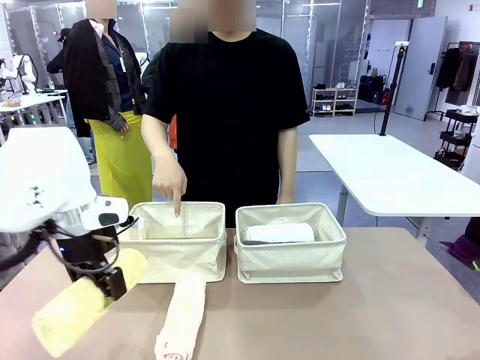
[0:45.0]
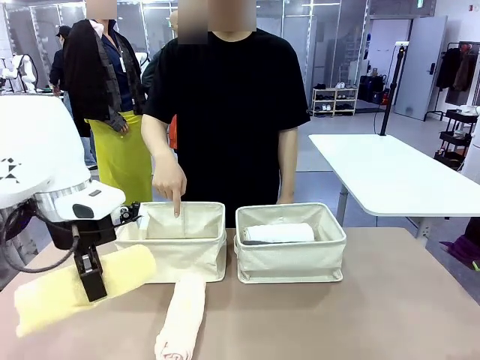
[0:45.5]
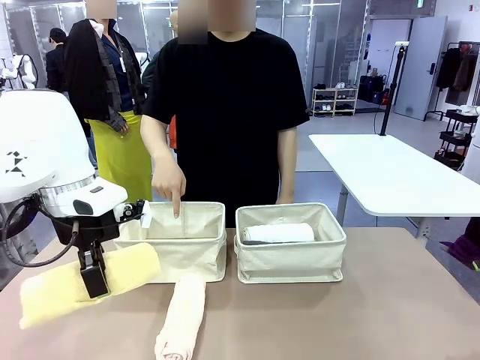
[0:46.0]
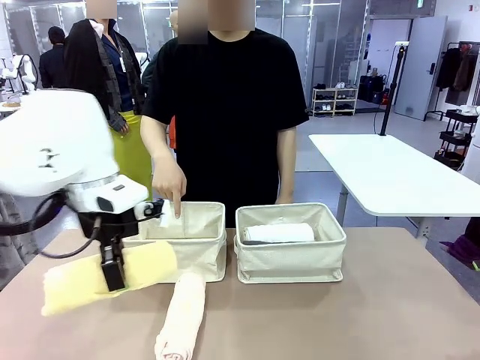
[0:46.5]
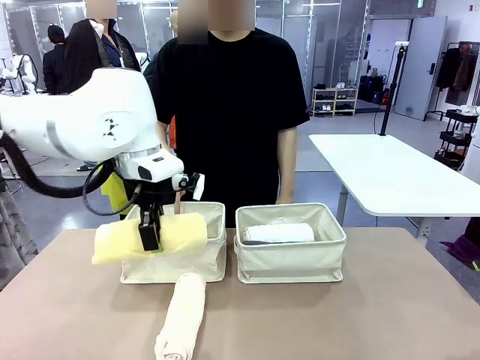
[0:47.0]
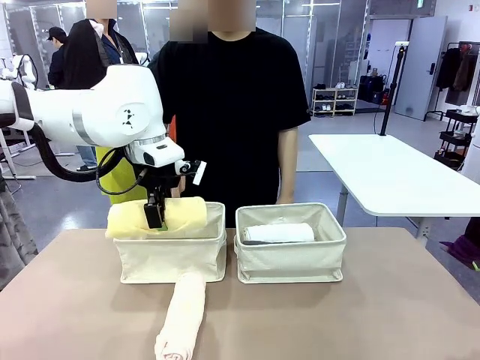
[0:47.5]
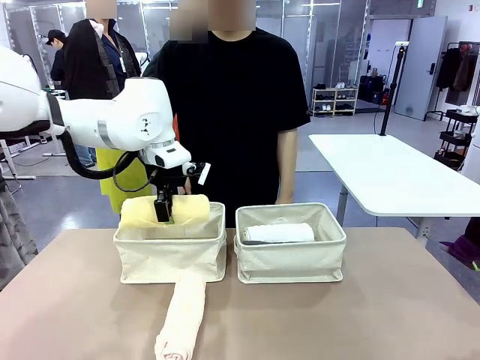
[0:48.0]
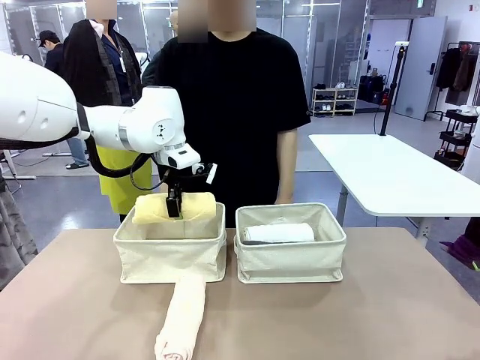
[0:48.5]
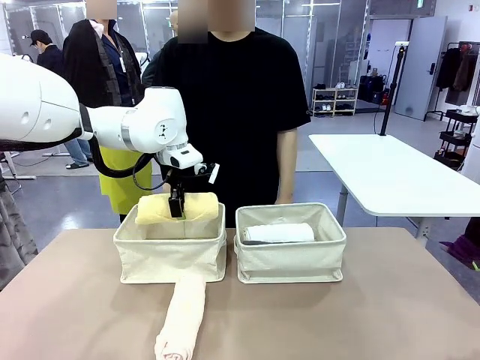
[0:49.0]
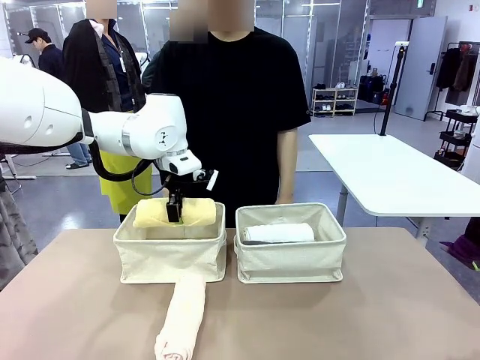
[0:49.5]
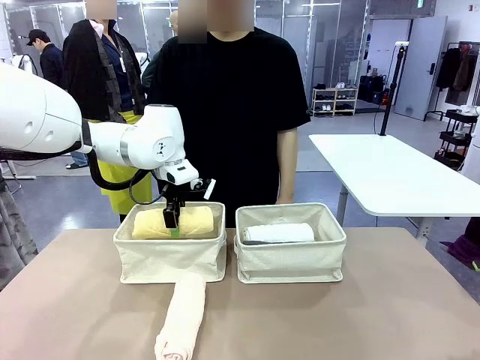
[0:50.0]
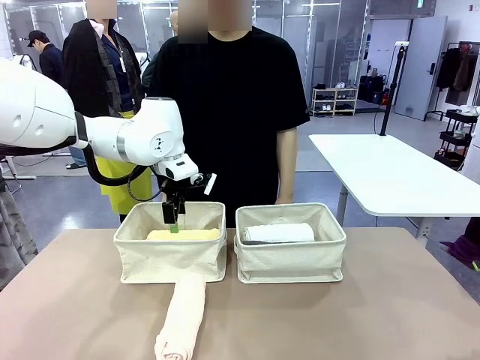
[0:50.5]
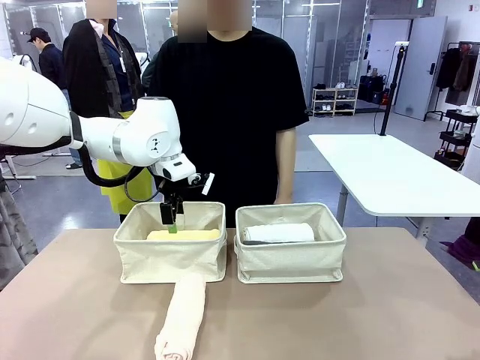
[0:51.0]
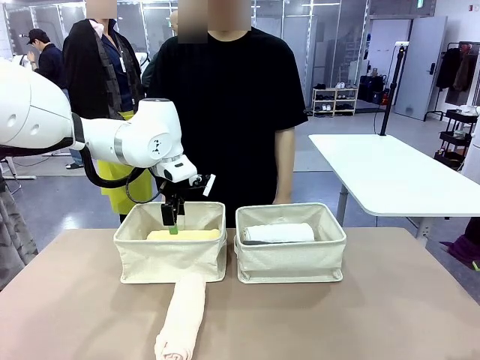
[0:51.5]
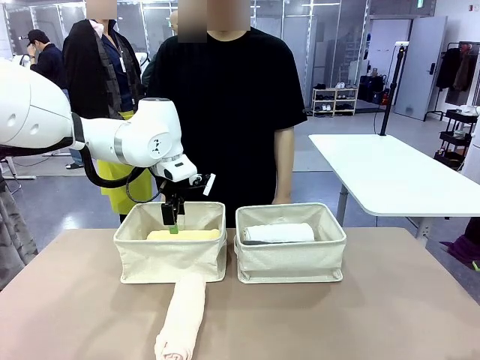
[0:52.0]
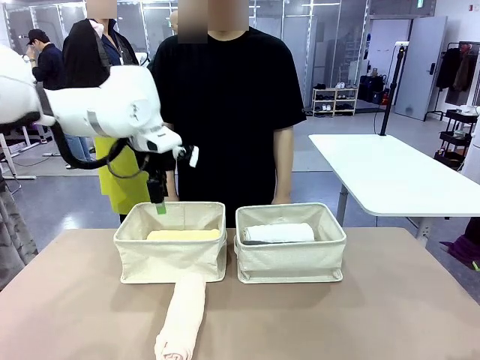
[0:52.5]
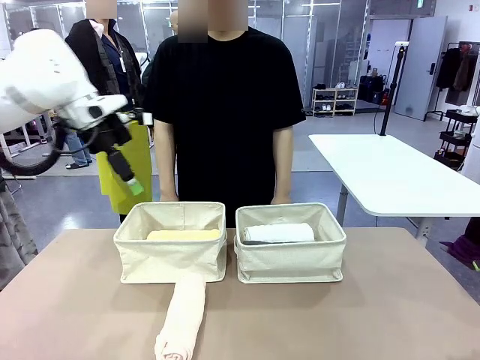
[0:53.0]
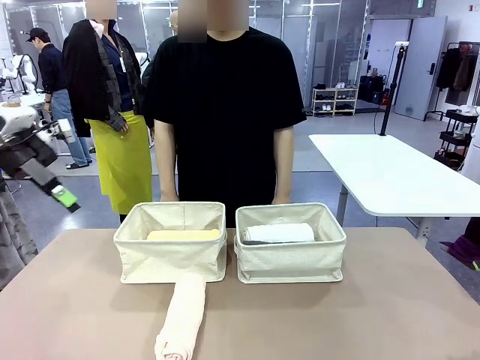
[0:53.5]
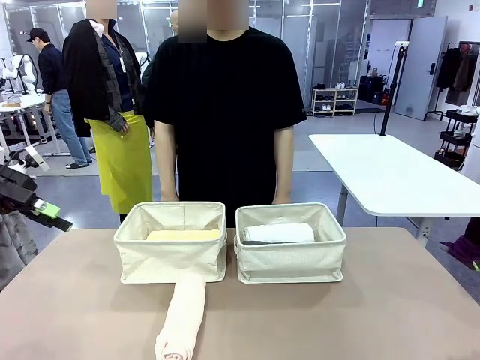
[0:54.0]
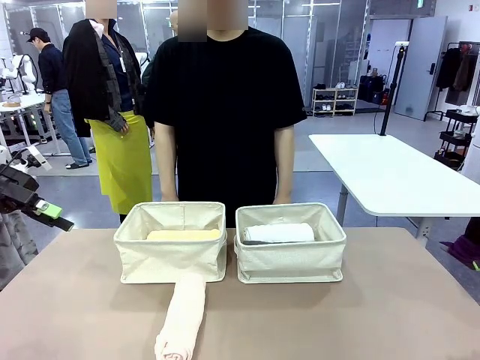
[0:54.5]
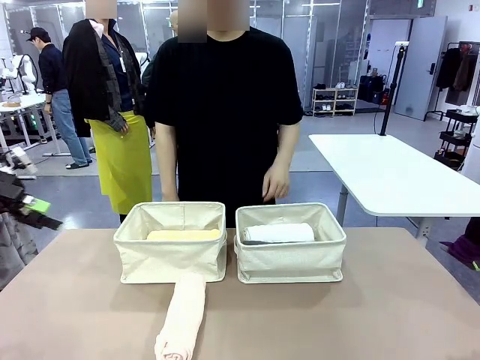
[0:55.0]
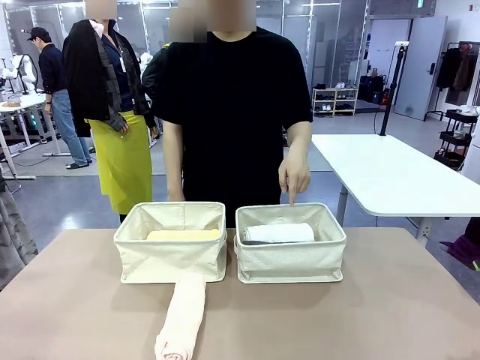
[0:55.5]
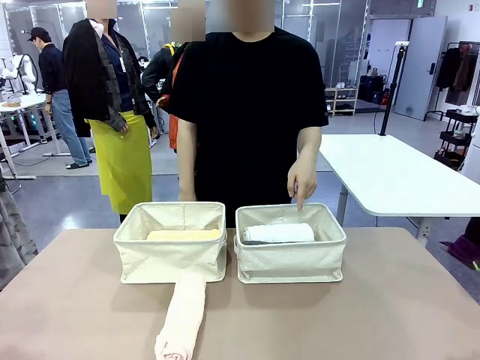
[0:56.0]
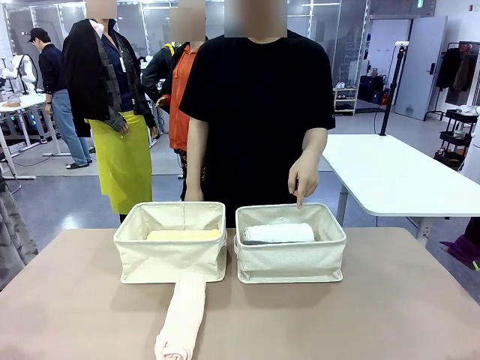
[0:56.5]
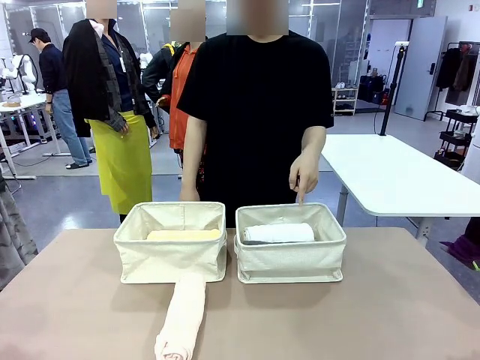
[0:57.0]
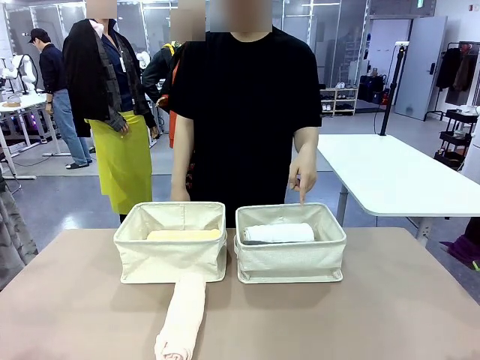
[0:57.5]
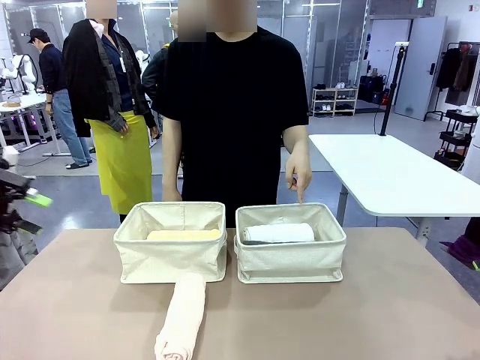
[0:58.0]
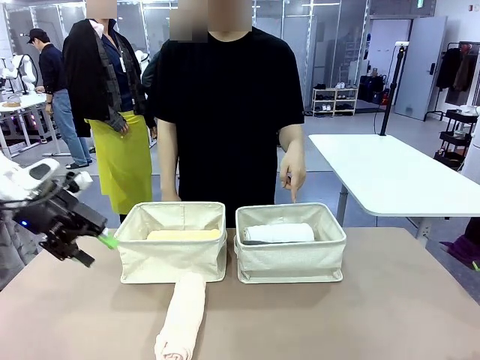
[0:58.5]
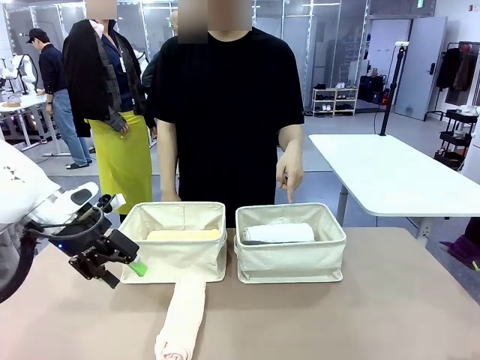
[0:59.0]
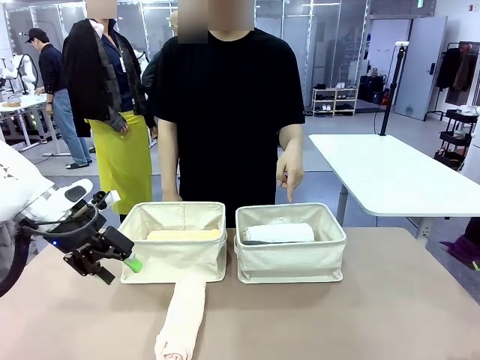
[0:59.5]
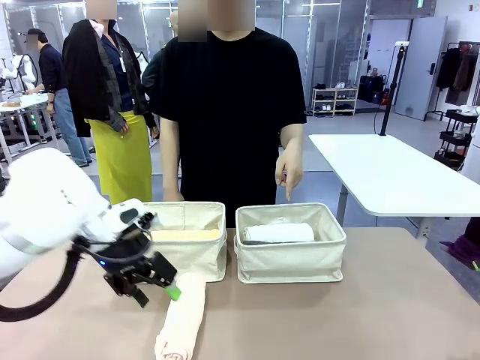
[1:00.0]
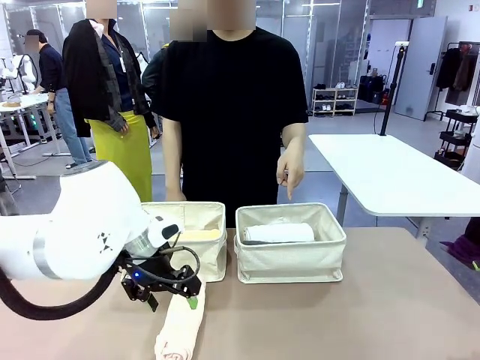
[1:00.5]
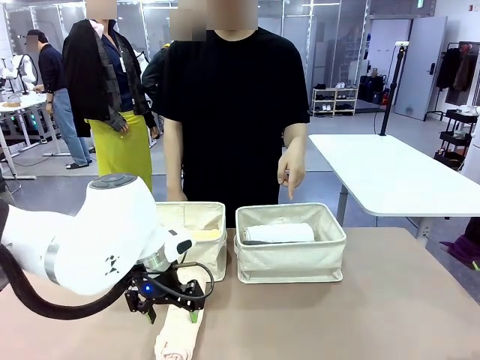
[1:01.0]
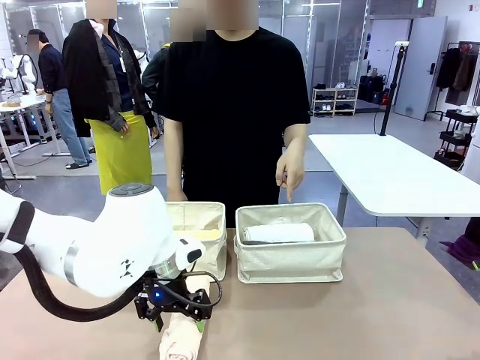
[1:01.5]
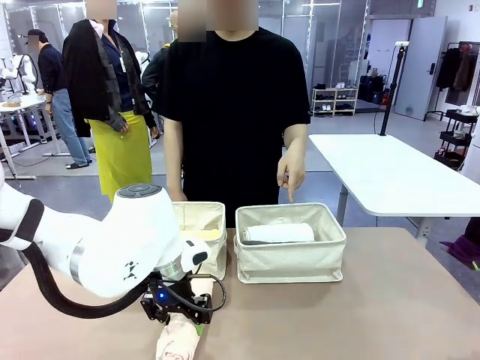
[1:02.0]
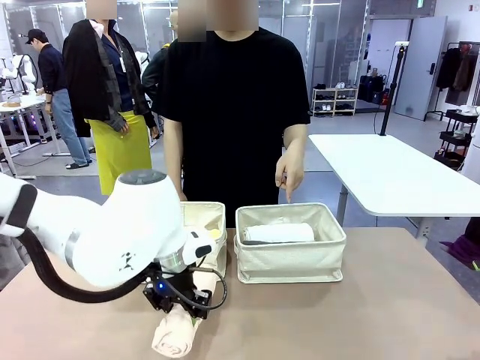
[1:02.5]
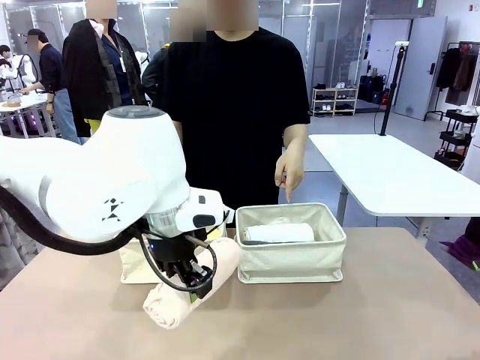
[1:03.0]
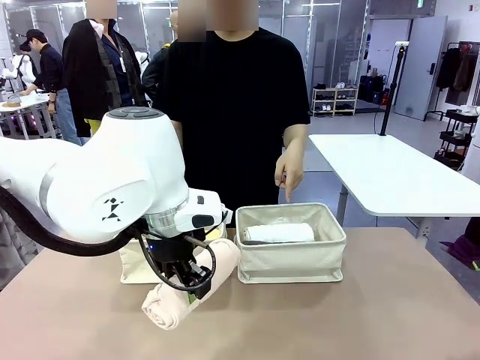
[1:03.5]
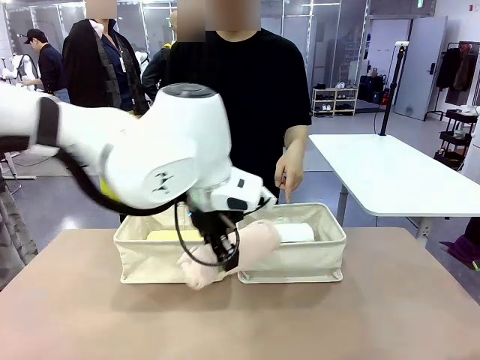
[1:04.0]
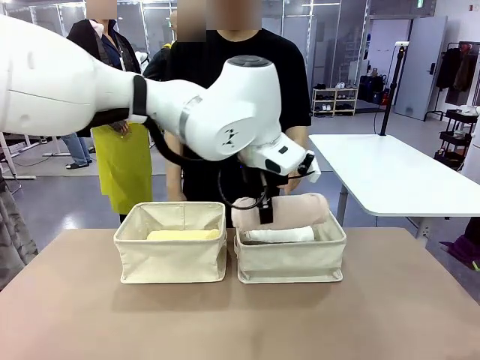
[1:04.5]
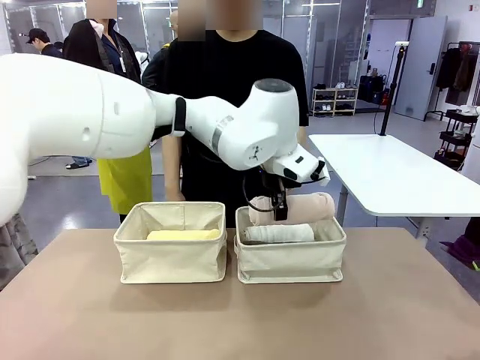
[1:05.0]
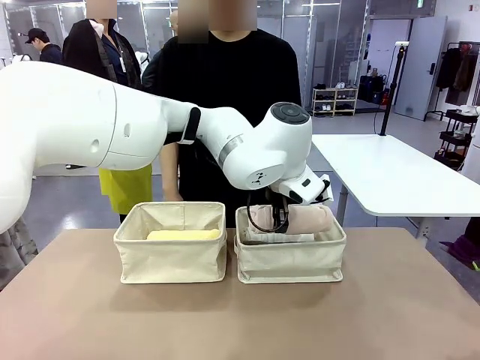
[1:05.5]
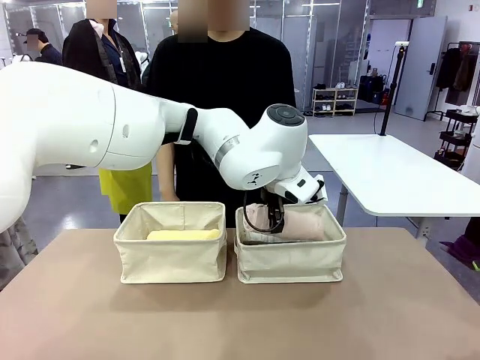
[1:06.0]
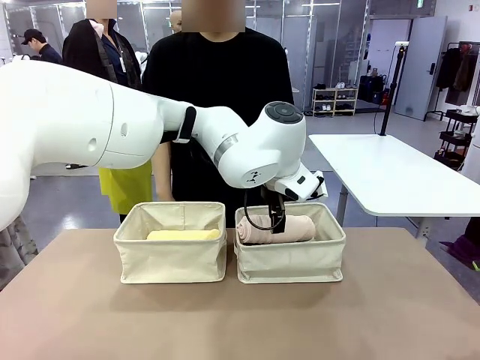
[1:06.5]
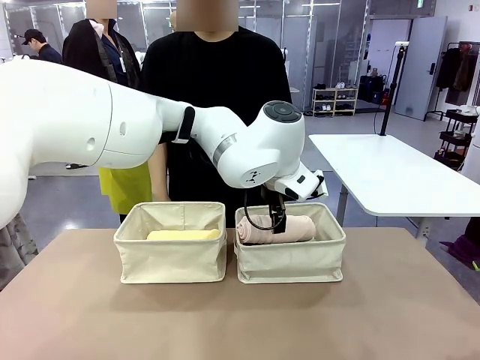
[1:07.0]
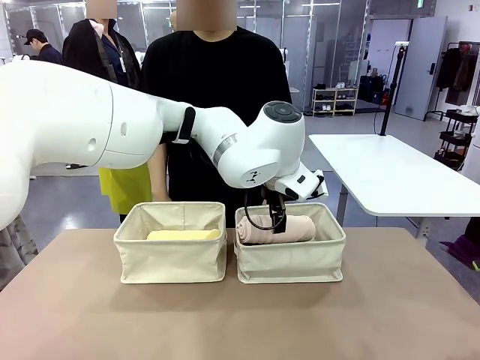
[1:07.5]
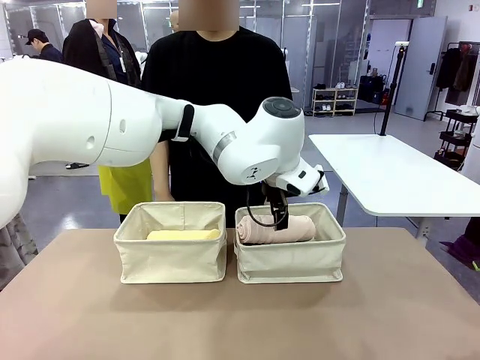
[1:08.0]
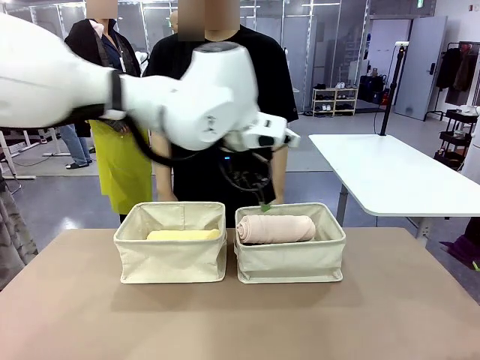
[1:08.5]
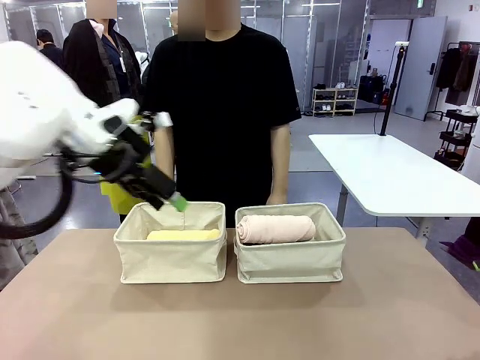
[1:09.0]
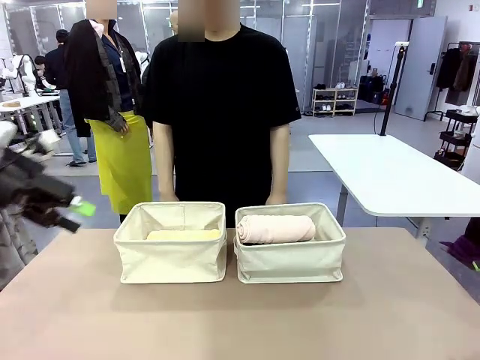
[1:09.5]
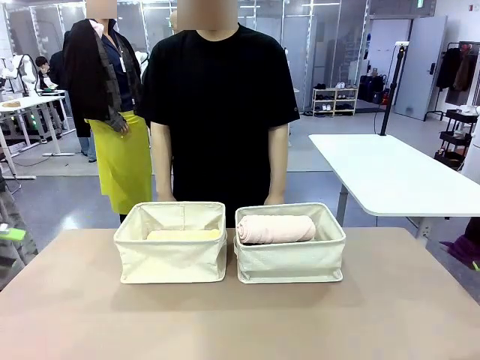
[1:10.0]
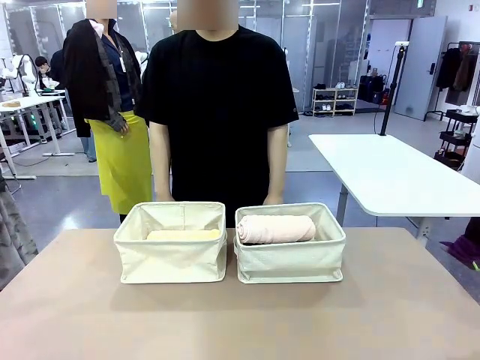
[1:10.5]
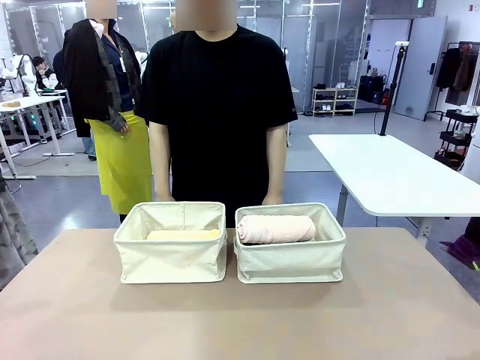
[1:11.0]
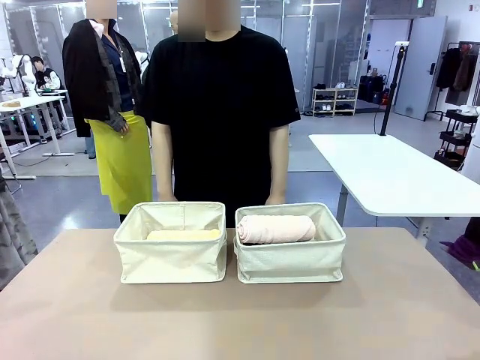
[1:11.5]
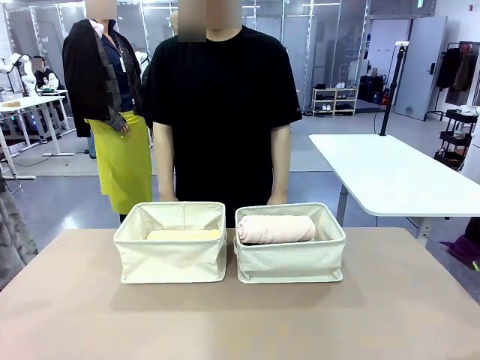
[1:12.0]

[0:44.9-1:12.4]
Task: Divide the towels into two baskets.
Robot: Pick up one hotel-folded towel from the bottom of the table and place it in the Fabric basket indicated by the person.
